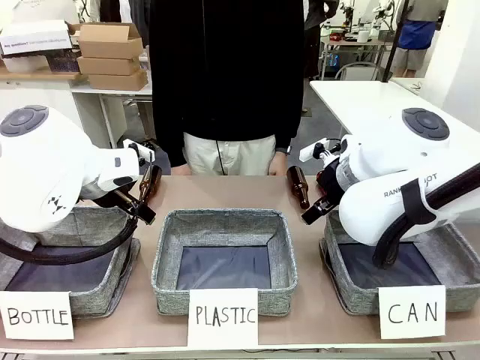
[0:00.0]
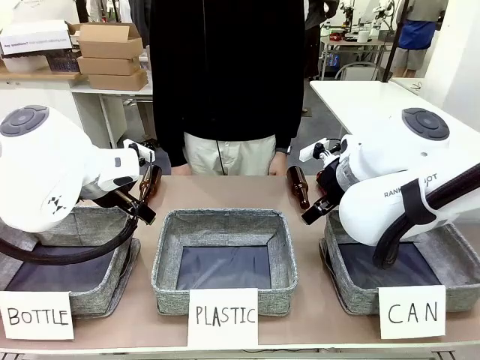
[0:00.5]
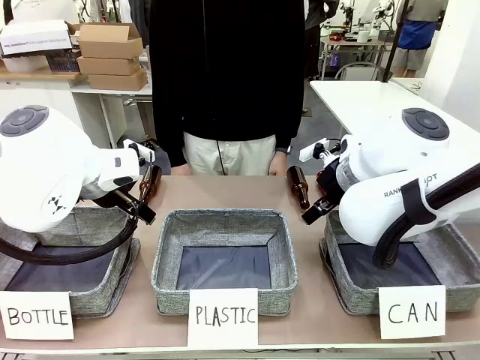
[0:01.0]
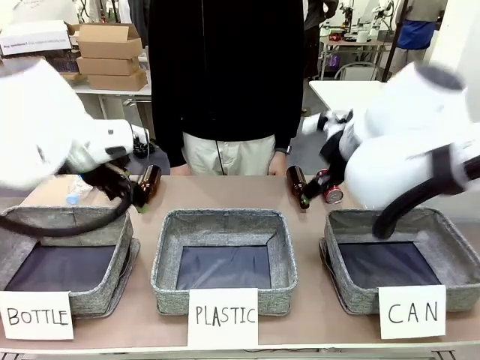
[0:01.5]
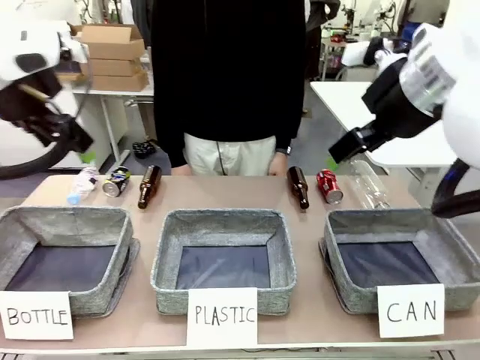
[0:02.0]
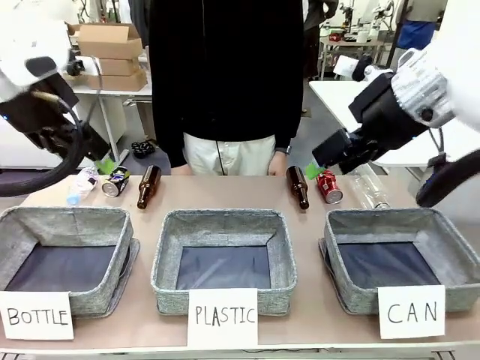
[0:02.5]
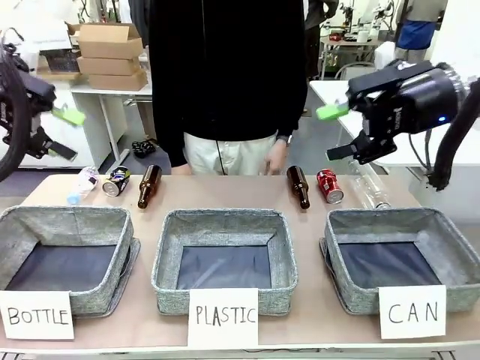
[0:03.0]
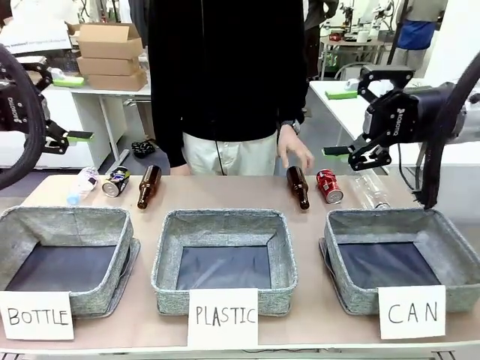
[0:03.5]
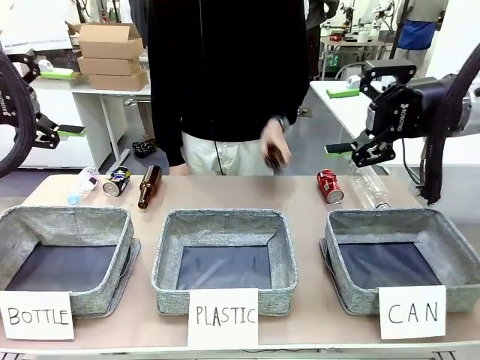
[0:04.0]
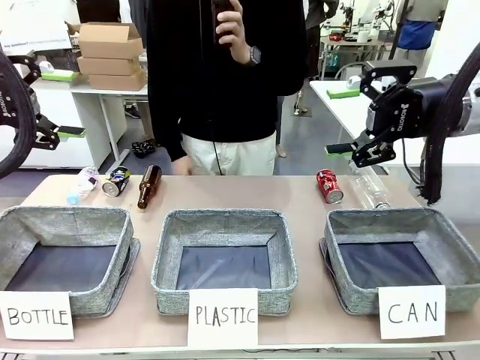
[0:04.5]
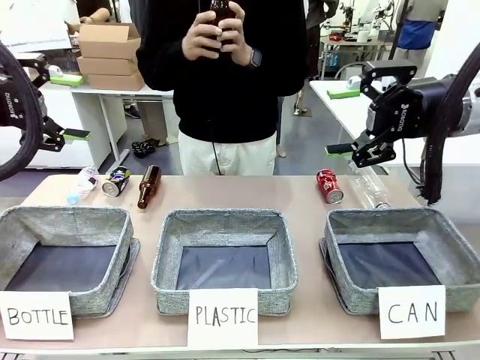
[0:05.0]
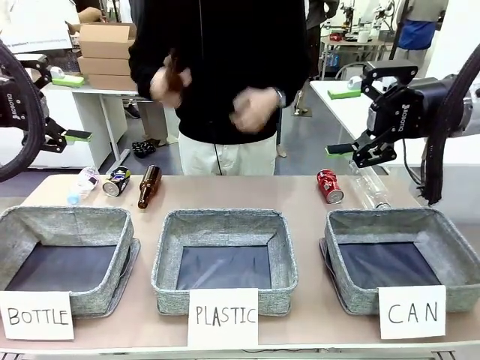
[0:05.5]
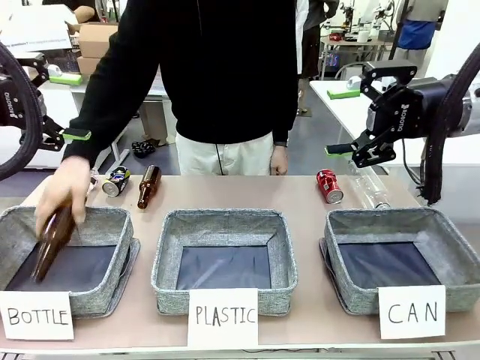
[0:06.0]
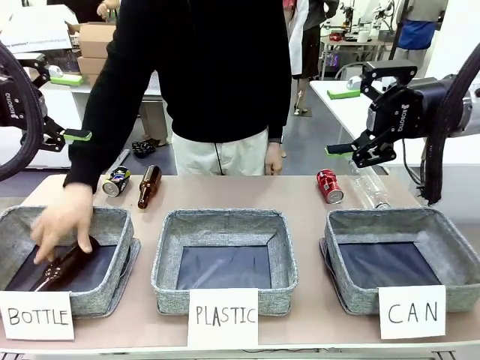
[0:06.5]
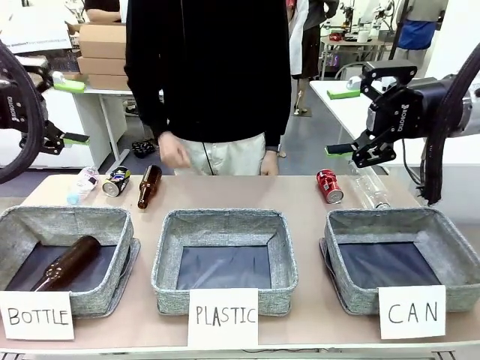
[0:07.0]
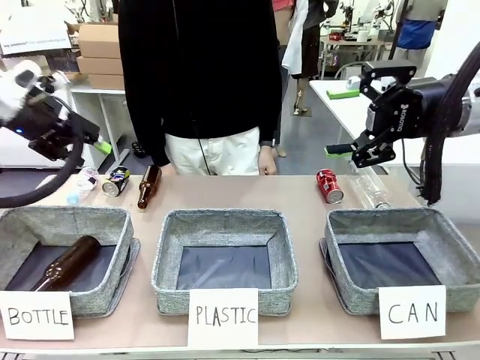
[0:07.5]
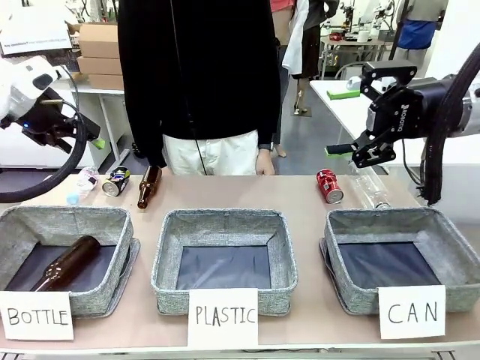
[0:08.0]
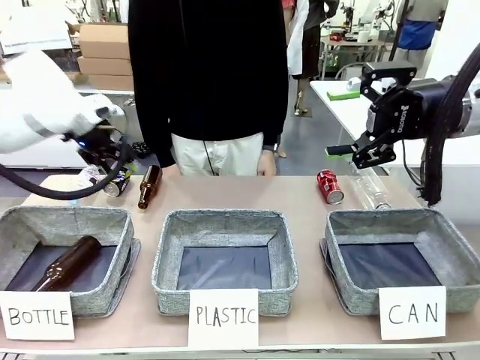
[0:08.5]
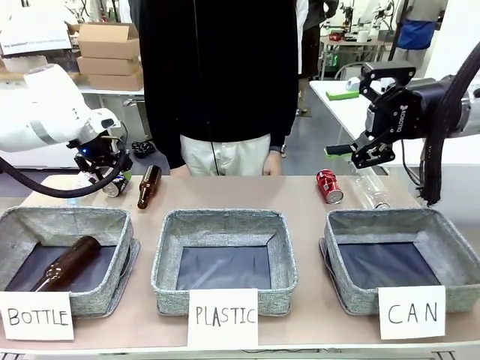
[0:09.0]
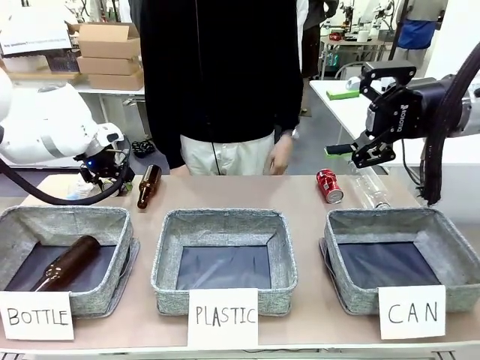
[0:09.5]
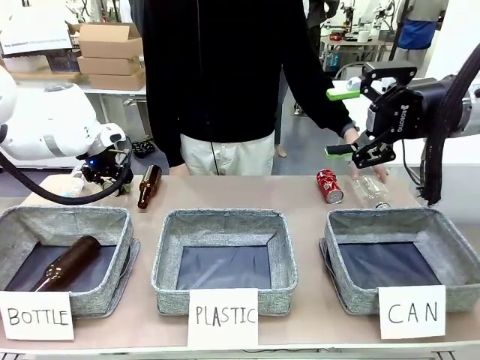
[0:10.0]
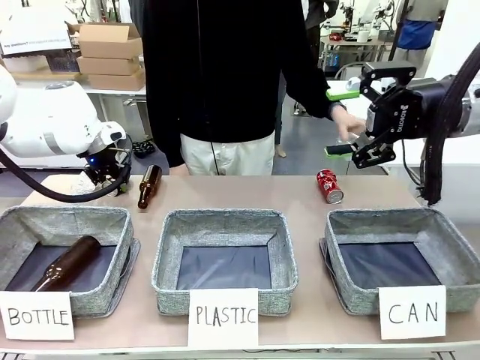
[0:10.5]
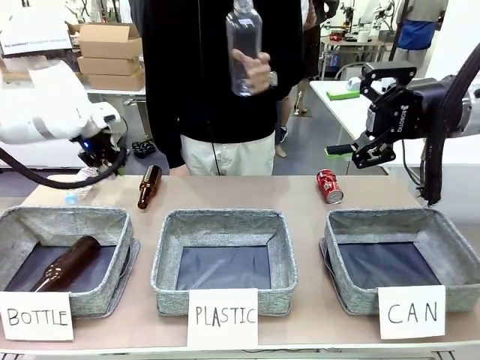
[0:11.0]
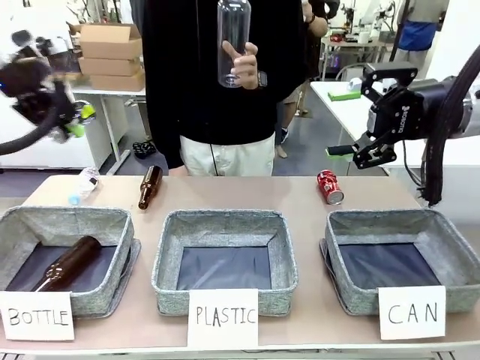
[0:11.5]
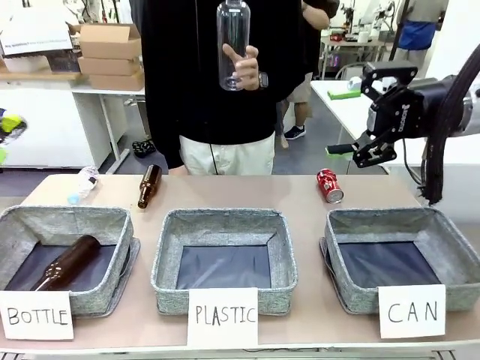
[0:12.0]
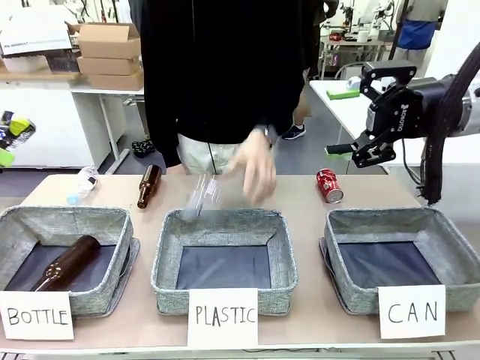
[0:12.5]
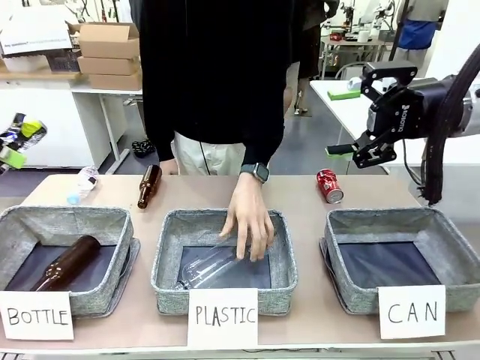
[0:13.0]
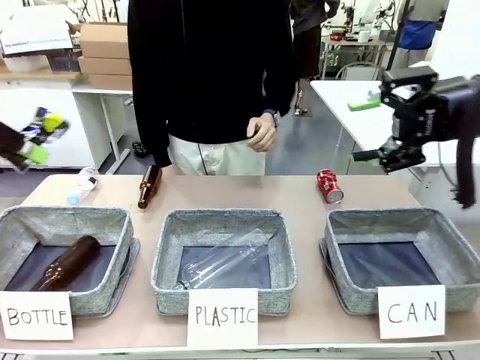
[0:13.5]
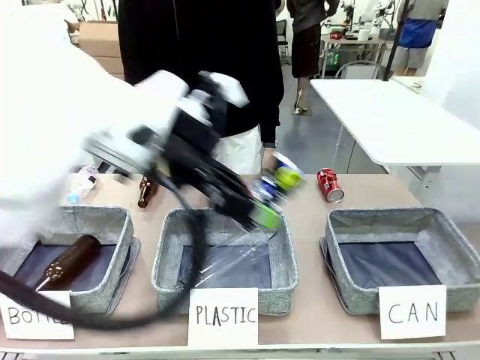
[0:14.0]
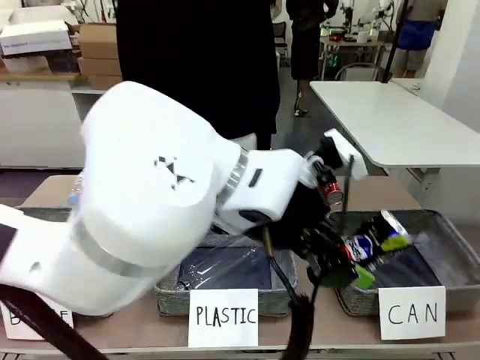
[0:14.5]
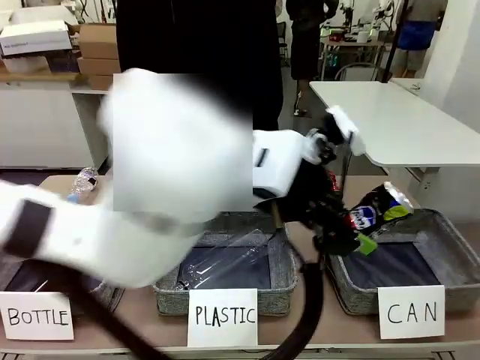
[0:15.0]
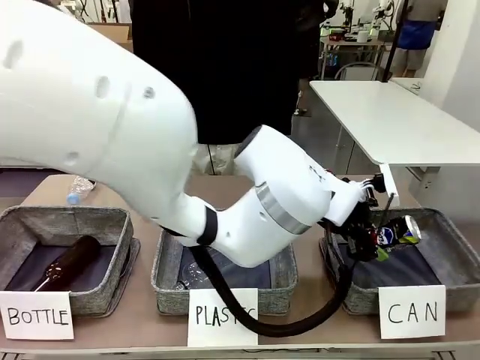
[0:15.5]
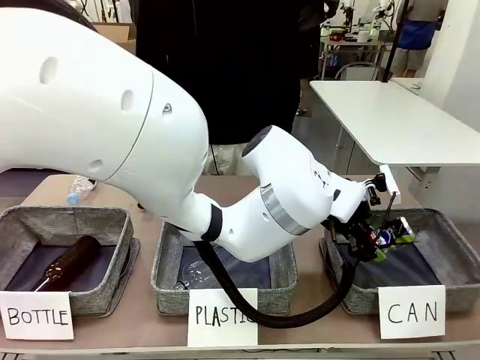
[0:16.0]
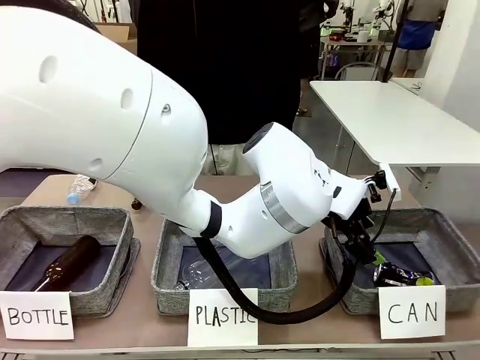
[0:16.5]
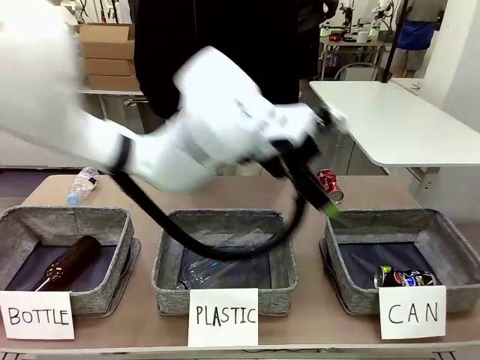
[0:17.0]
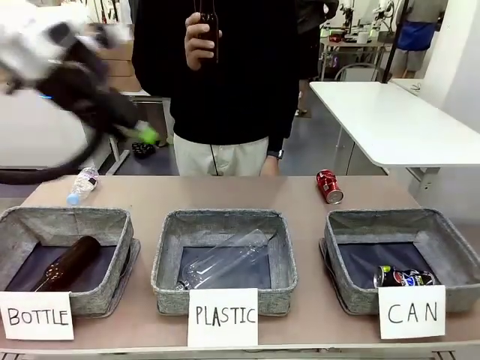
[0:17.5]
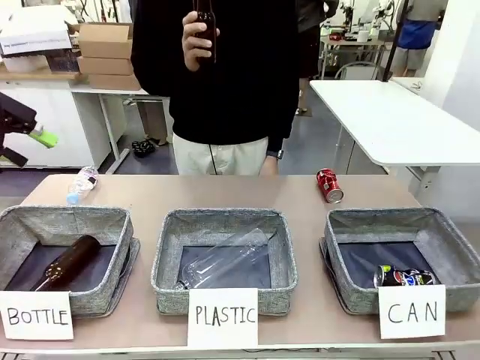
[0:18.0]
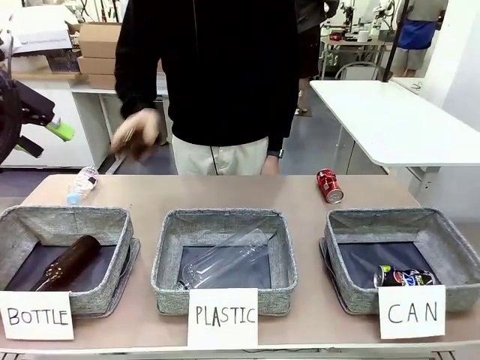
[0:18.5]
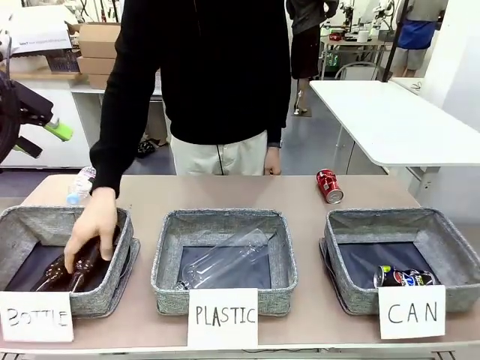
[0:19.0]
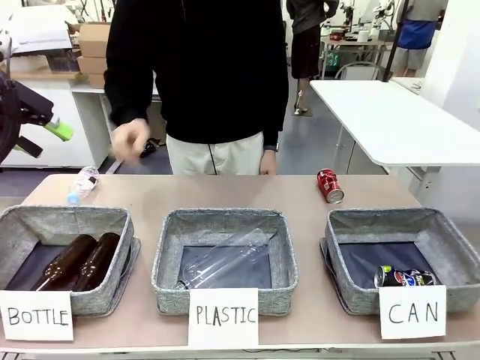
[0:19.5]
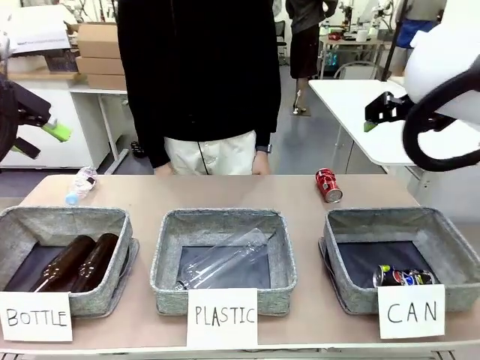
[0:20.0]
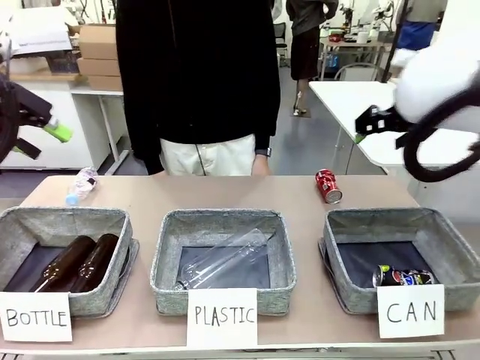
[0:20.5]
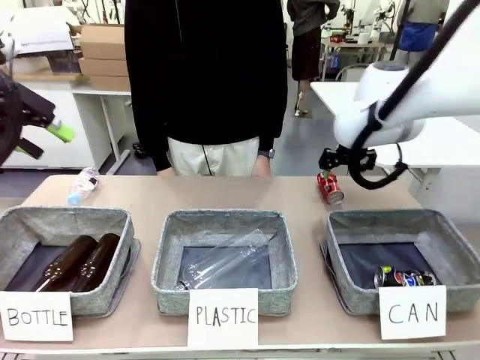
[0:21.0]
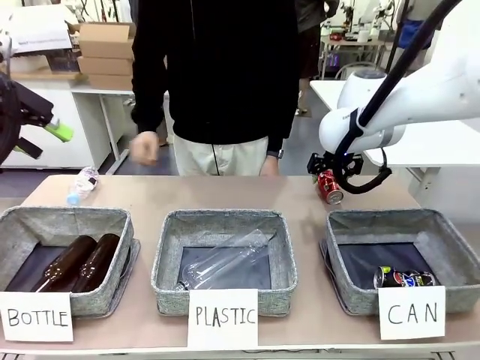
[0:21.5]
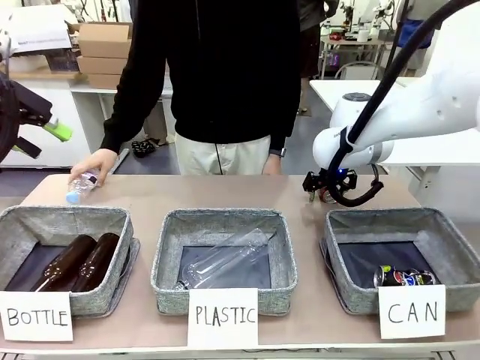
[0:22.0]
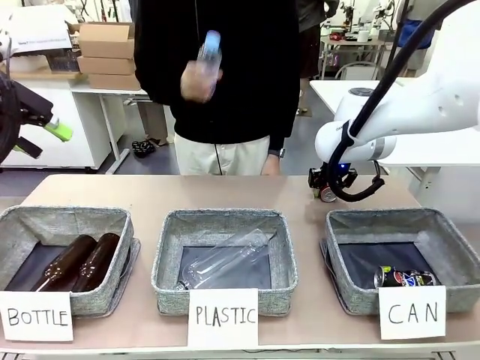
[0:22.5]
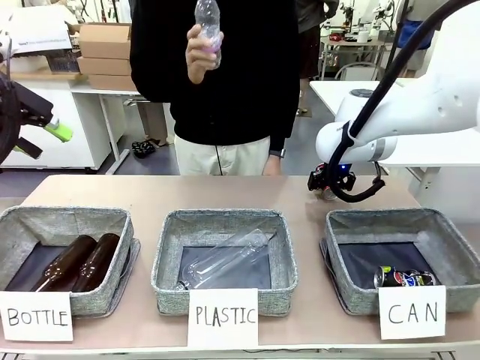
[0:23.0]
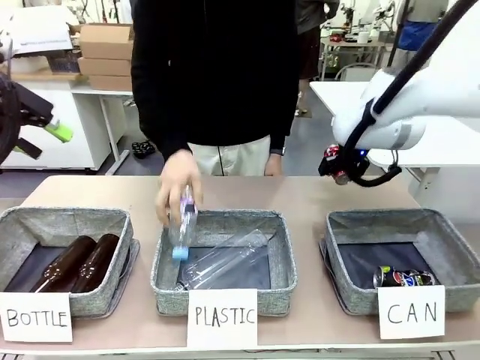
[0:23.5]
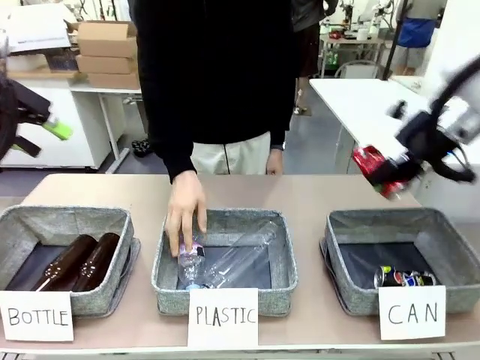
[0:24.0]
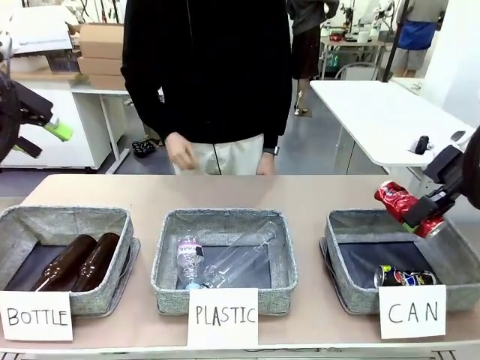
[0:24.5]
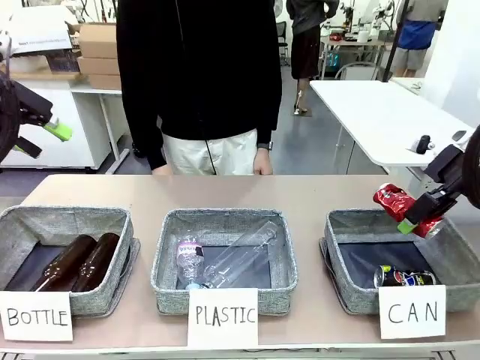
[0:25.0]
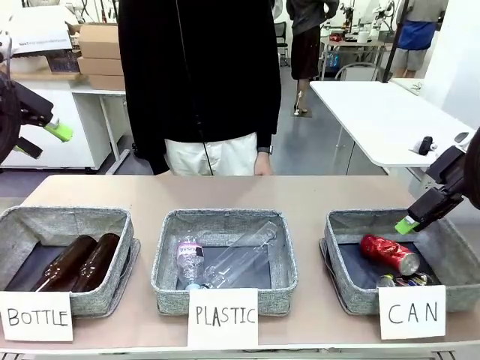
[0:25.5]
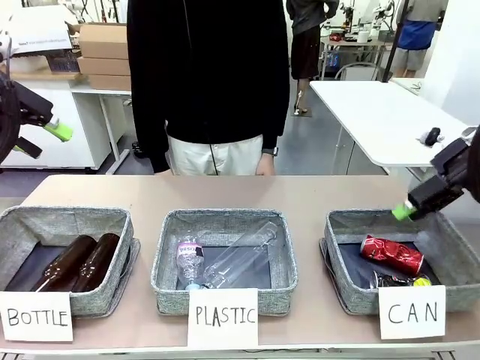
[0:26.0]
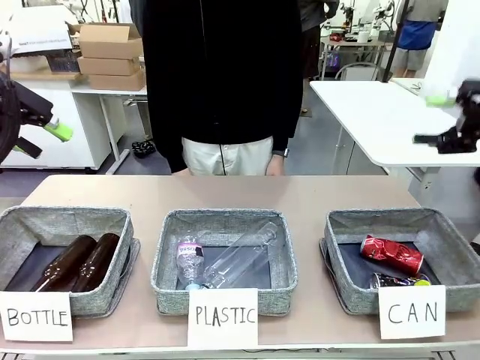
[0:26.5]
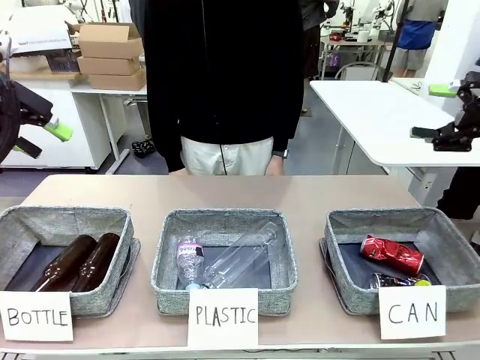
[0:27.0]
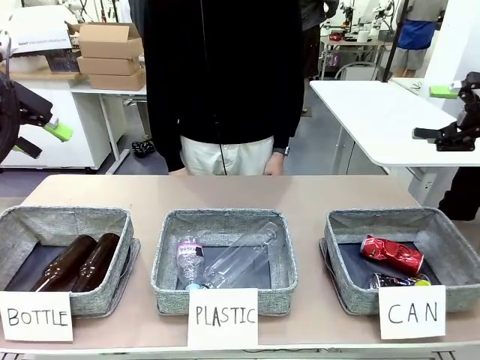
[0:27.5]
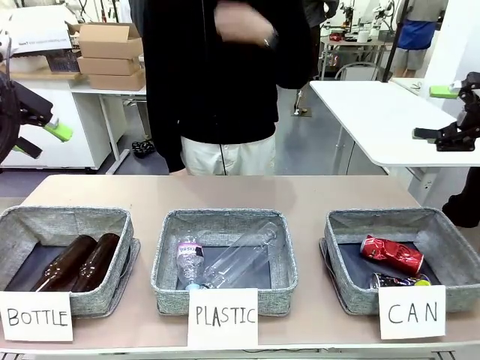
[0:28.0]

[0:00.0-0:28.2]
Task: Sort the can waste into the basket.
Robot: Pick up the can waste from the table and place it in the right Fabric basket.
Person: The human picks up one piece of trash that is not a can and places the trash into the appropriate organizing basket.
